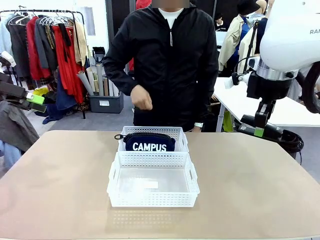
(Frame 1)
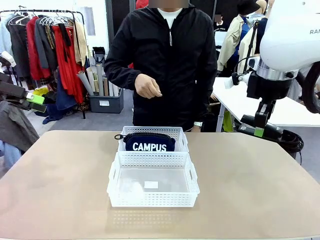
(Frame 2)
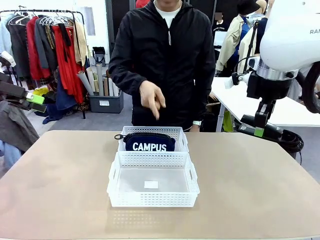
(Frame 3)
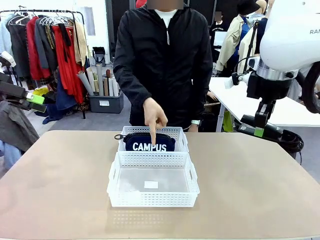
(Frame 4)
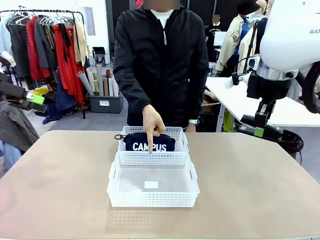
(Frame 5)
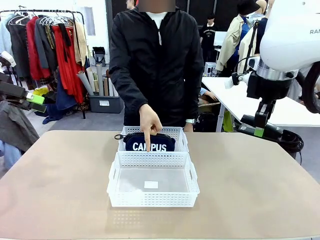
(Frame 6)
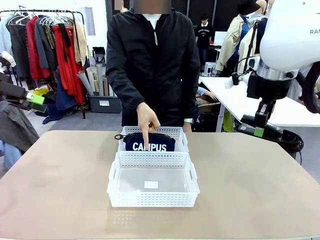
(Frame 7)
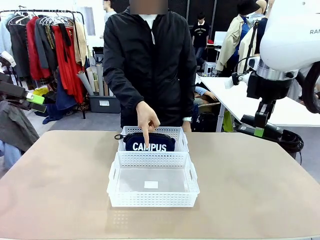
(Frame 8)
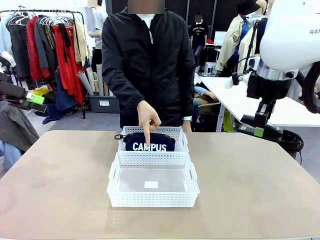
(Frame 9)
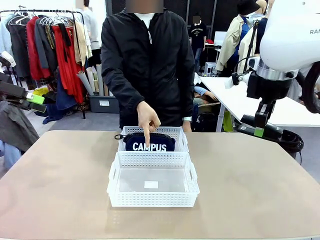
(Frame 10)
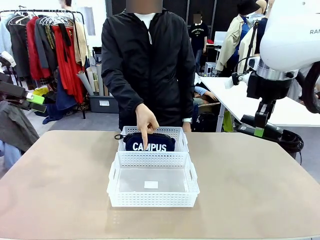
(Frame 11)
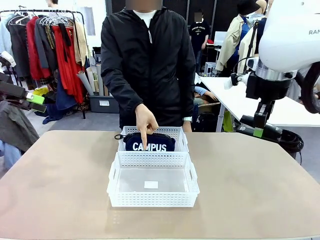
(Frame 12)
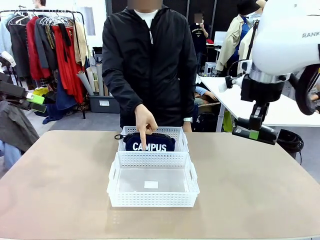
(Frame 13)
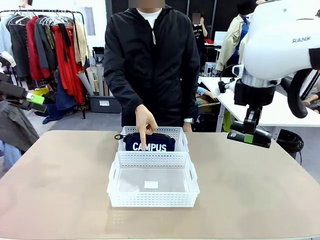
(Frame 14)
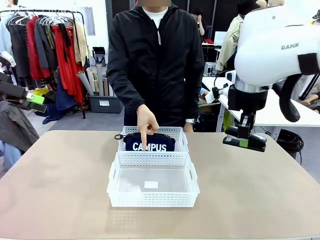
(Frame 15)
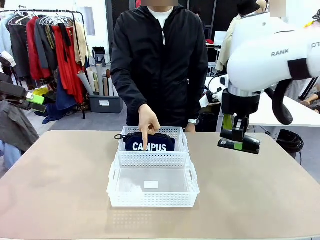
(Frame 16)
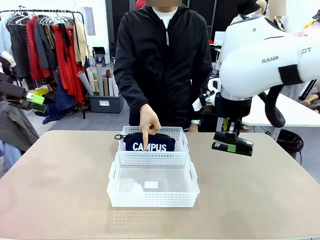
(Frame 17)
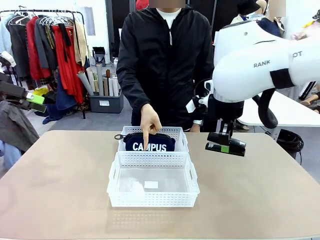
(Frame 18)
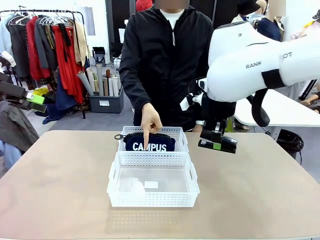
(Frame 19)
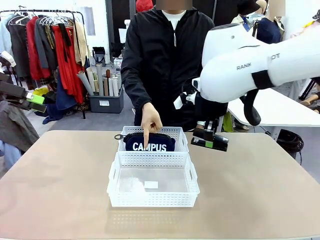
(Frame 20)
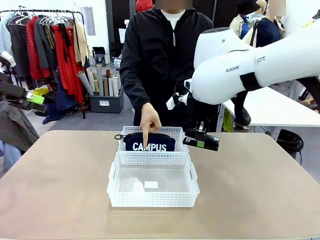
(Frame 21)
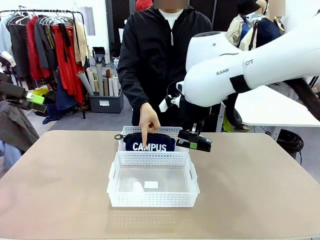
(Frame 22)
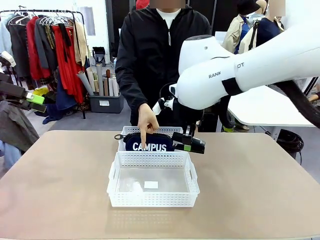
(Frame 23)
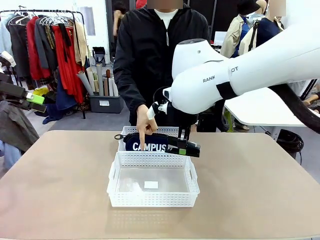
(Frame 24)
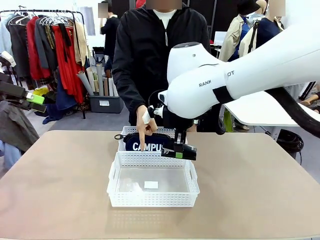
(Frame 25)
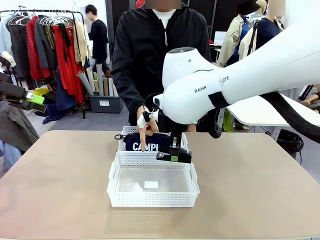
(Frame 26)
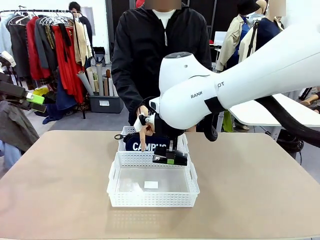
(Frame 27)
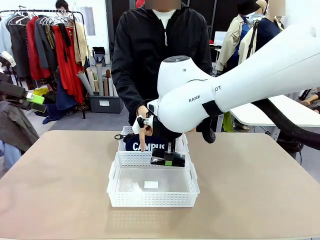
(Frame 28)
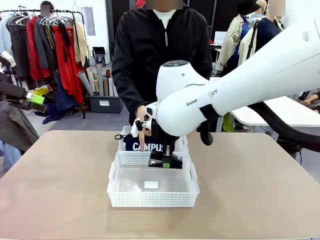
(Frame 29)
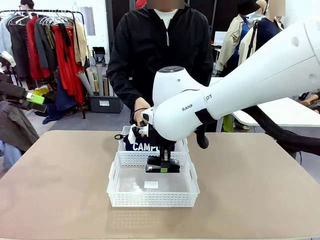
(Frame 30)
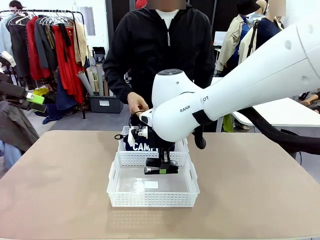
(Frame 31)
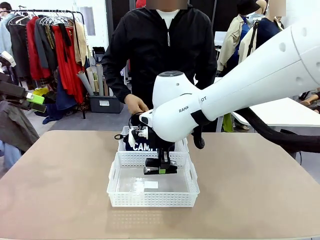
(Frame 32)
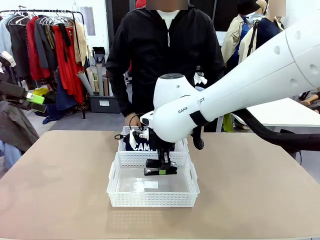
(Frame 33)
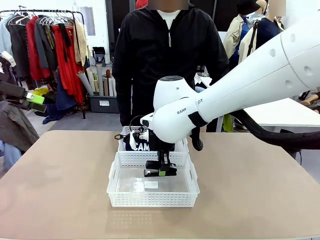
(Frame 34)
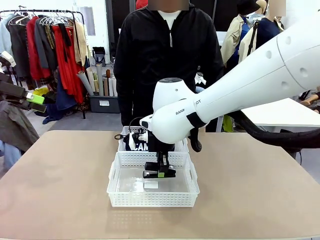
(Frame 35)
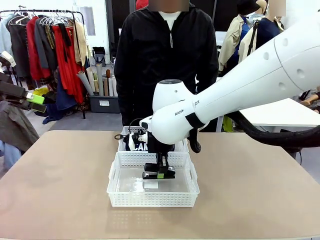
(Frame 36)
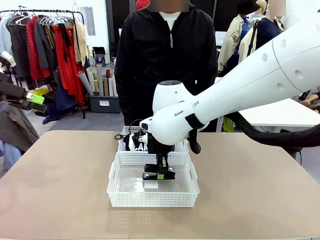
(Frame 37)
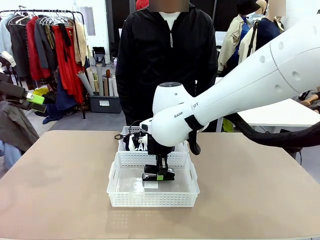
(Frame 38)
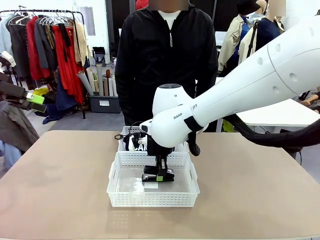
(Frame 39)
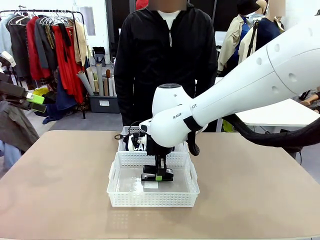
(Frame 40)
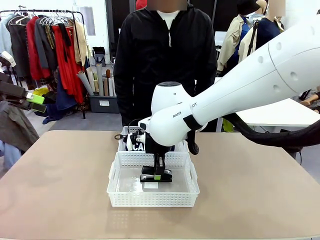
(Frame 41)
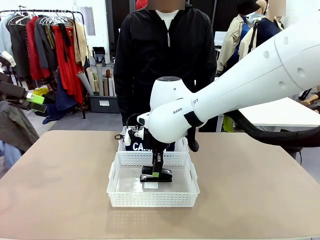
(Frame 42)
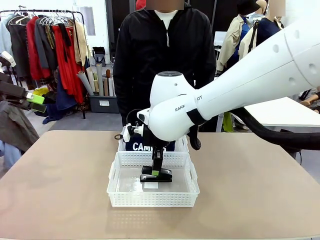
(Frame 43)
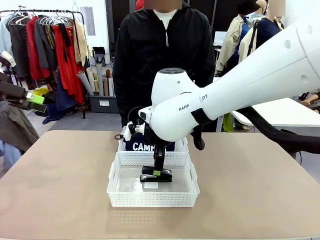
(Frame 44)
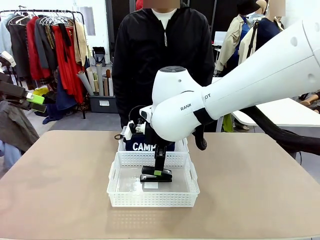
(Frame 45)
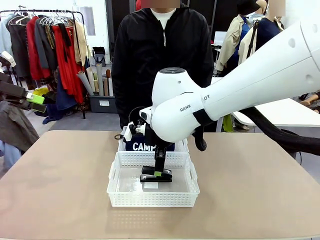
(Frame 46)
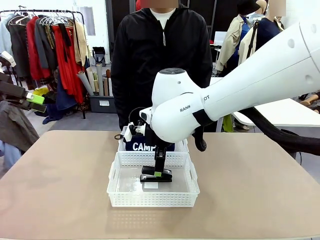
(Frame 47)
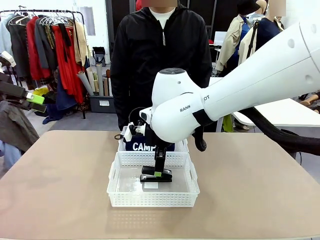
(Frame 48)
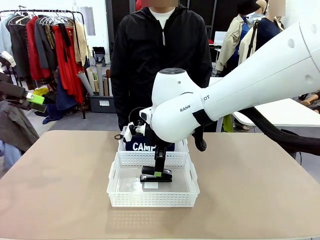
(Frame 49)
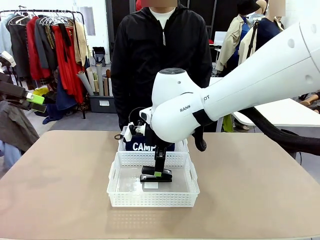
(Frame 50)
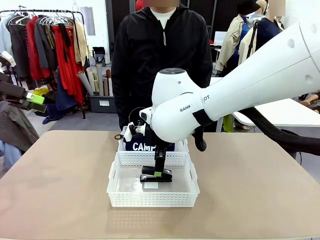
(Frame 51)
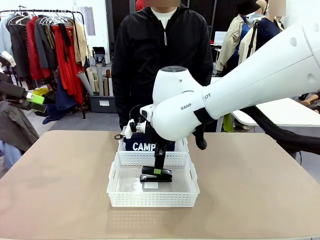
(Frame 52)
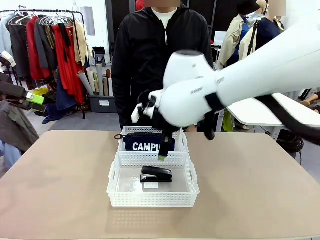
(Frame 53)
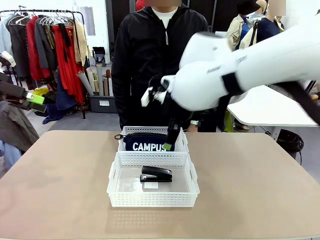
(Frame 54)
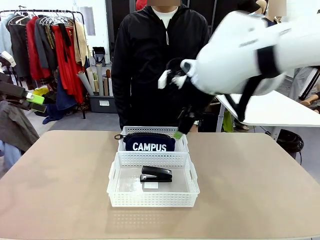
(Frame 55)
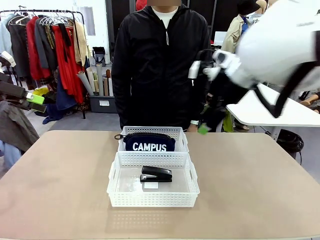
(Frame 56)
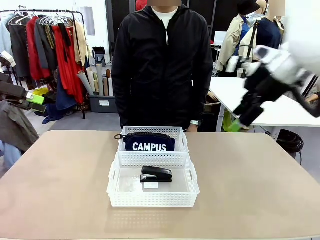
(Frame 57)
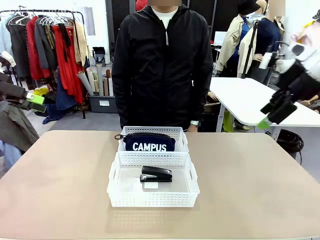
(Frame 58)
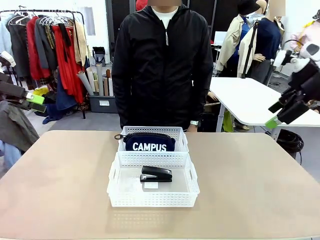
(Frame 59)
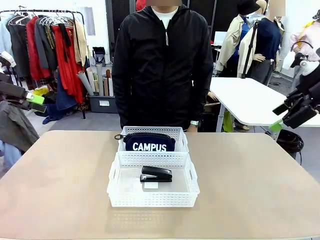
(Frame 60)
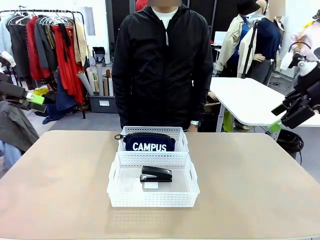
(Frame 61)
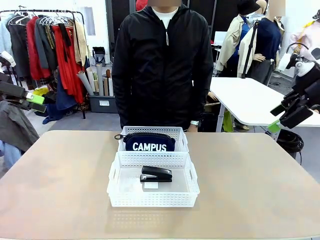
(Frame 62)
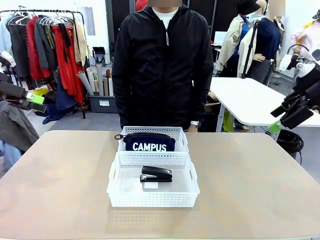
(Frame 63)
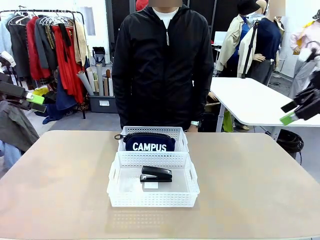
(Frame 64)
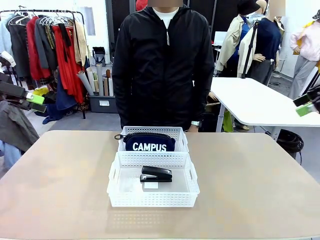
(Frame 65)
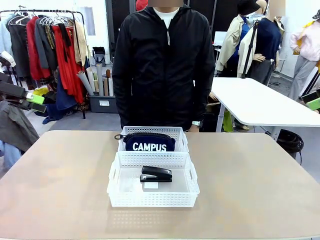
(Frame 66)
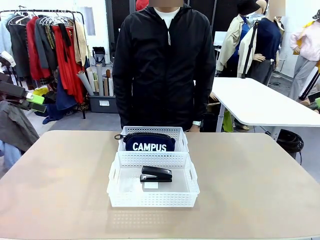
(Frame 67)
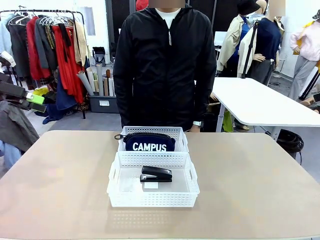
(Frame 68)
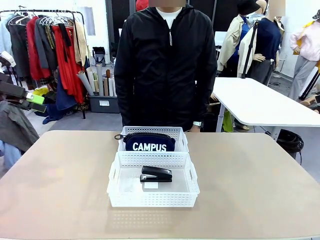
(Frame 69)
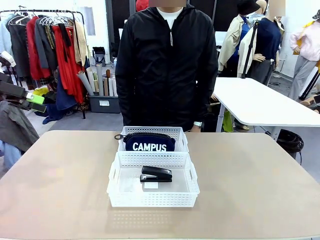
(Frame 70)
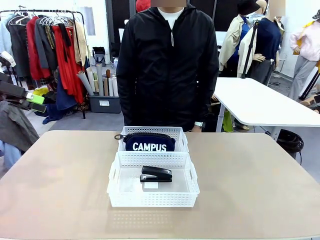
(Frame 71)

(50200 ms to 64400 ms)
Task: Distribute items into two baskets.
Robot: Place the picked Stapler into the Organizing basket as instructed by the person.
Person: Points to the basket that does not contain the pencil case and instructs the robot to move the stapler there.
